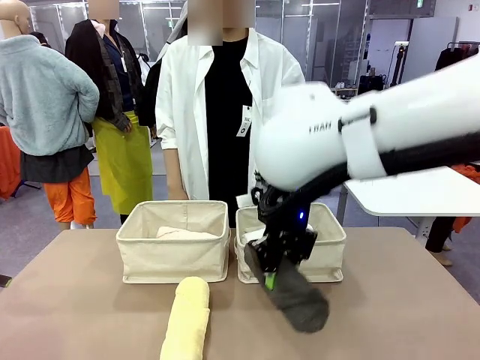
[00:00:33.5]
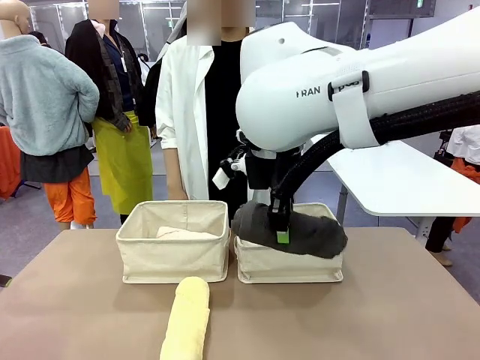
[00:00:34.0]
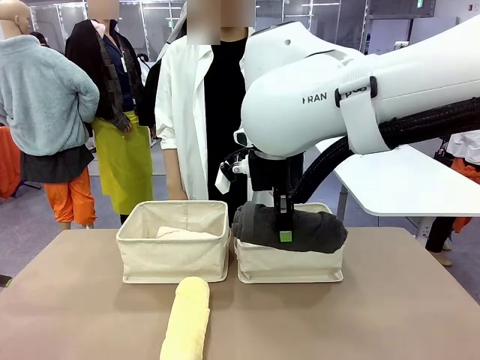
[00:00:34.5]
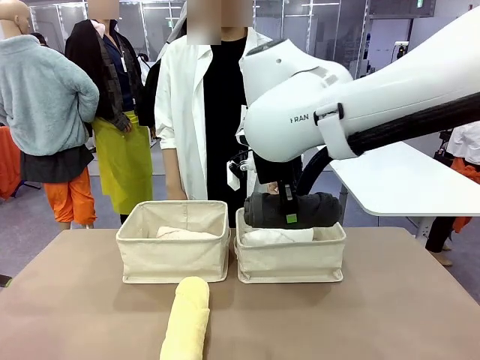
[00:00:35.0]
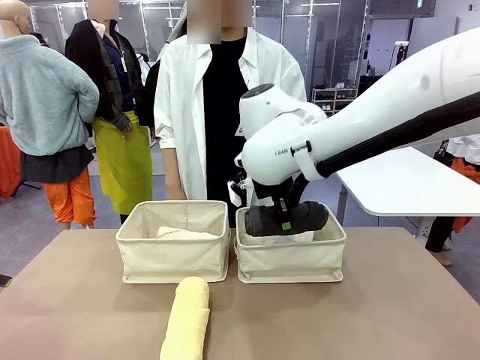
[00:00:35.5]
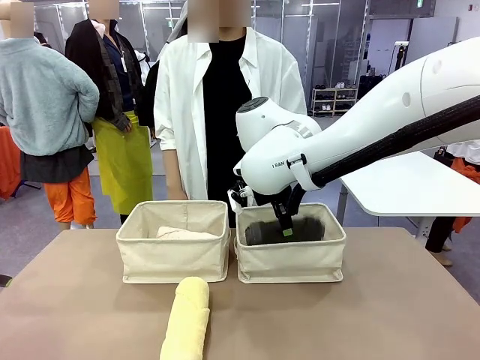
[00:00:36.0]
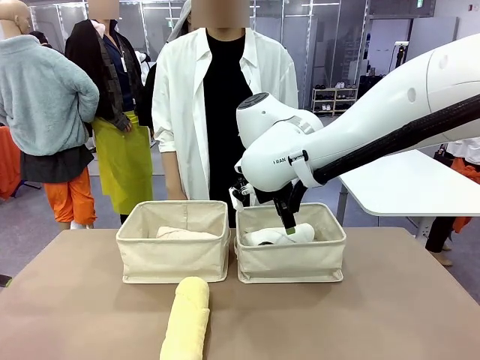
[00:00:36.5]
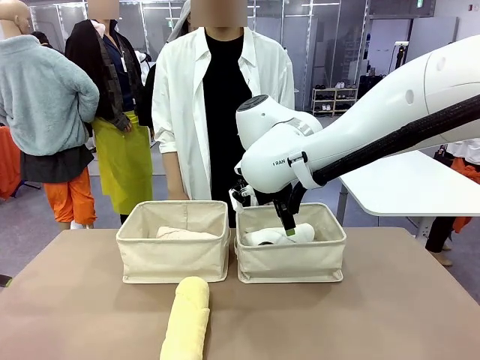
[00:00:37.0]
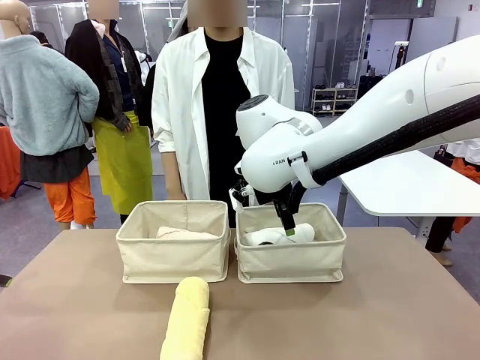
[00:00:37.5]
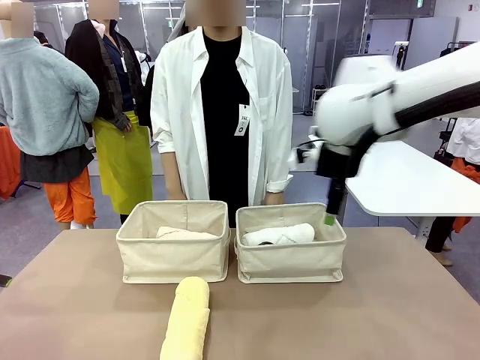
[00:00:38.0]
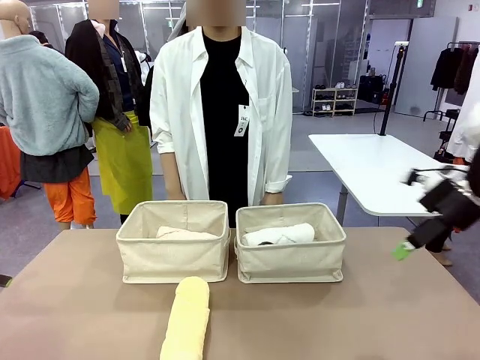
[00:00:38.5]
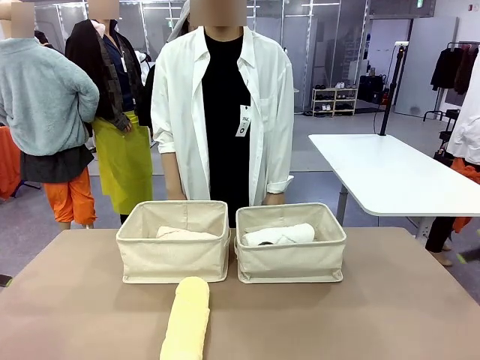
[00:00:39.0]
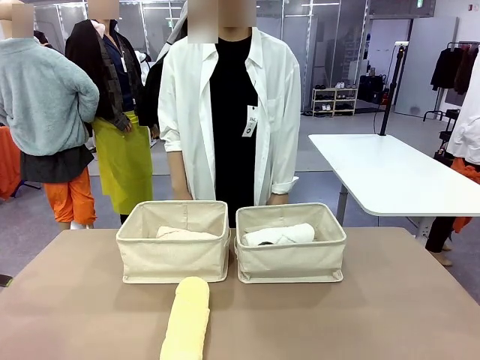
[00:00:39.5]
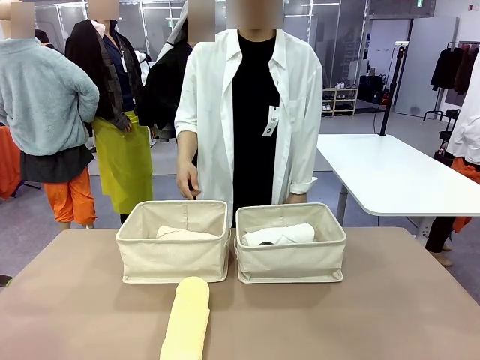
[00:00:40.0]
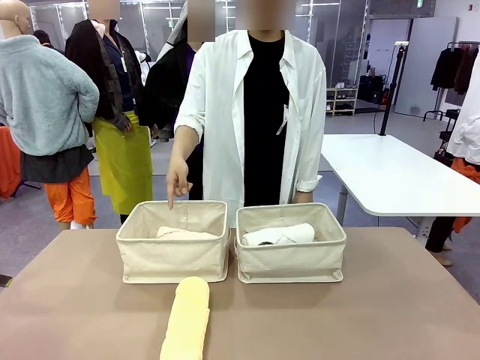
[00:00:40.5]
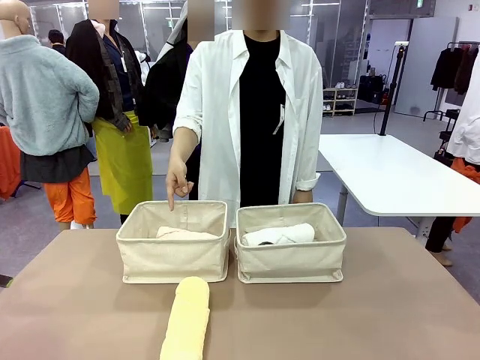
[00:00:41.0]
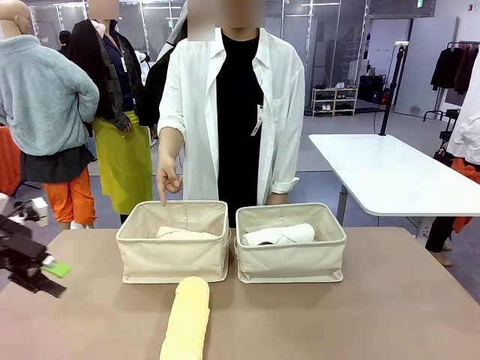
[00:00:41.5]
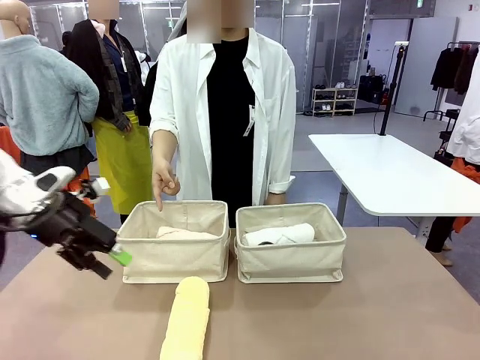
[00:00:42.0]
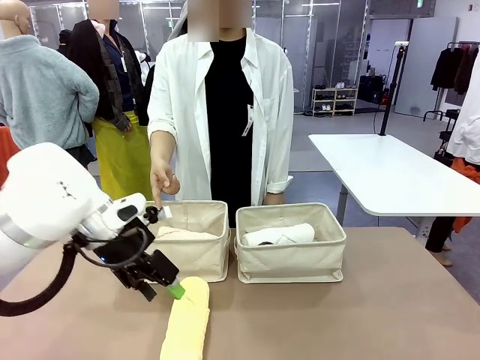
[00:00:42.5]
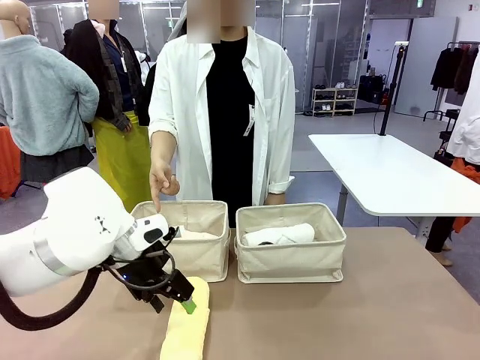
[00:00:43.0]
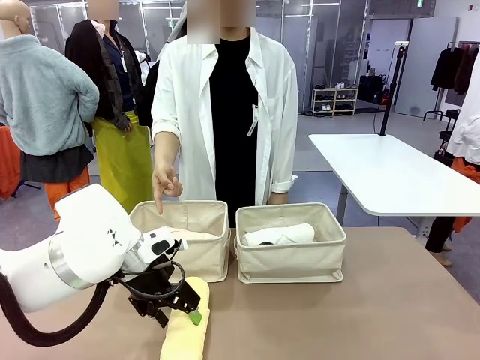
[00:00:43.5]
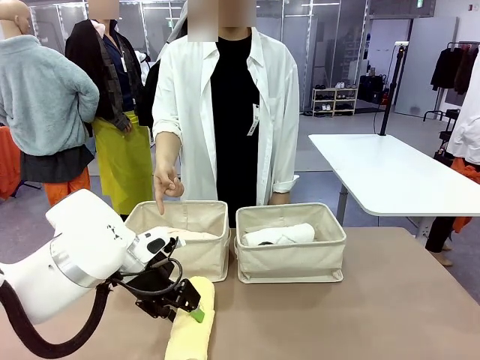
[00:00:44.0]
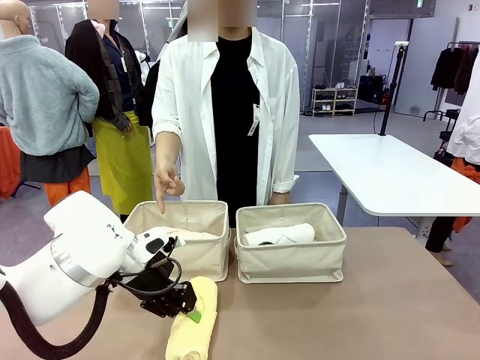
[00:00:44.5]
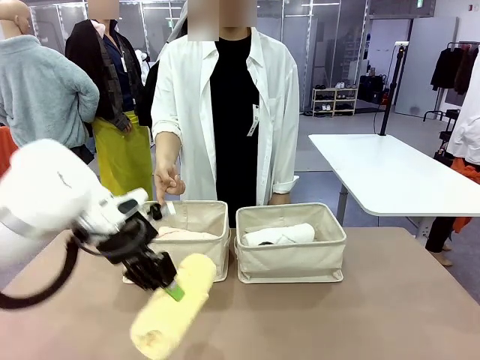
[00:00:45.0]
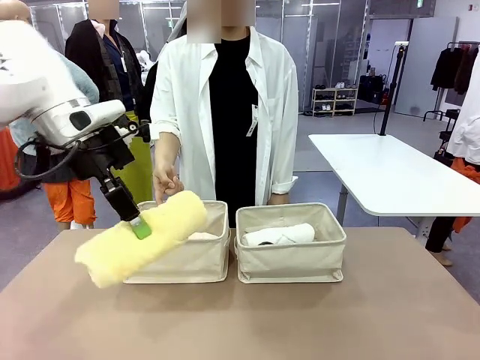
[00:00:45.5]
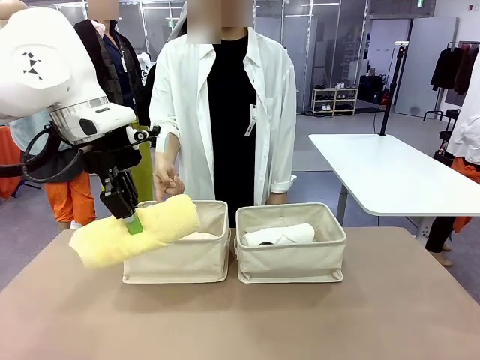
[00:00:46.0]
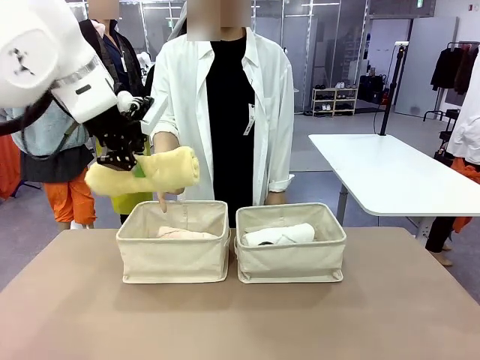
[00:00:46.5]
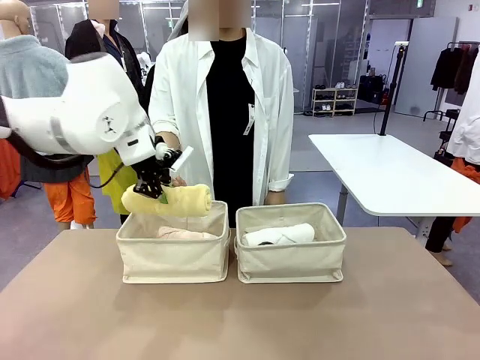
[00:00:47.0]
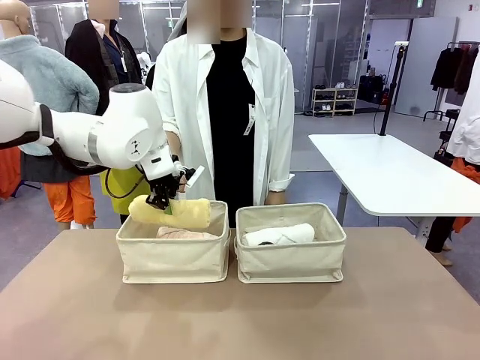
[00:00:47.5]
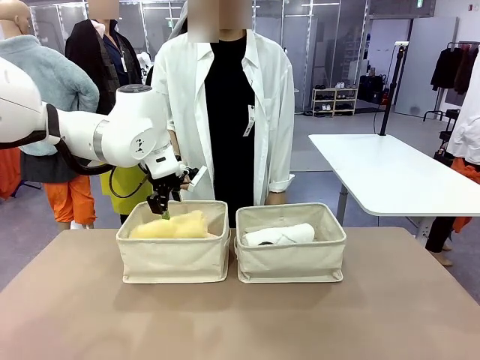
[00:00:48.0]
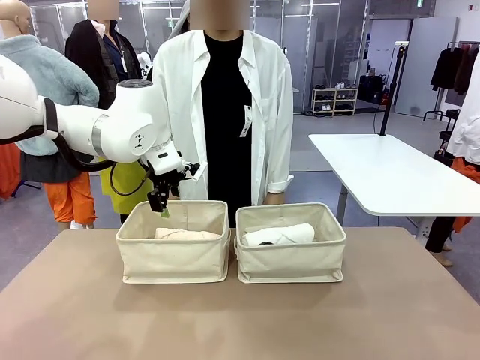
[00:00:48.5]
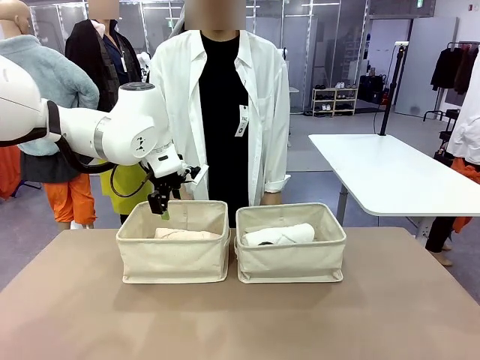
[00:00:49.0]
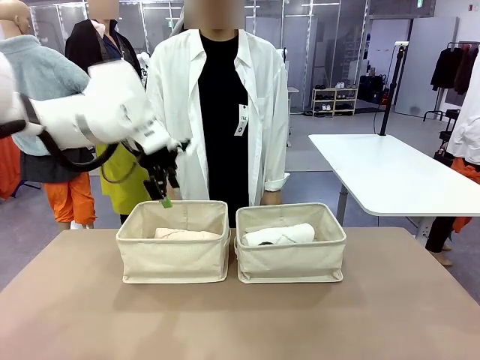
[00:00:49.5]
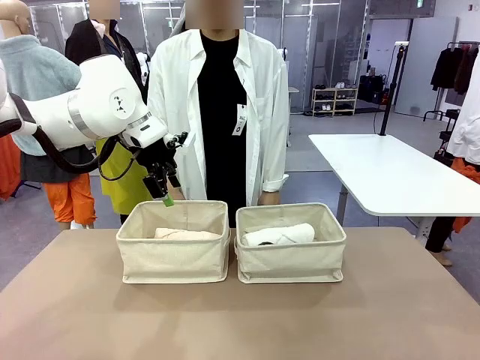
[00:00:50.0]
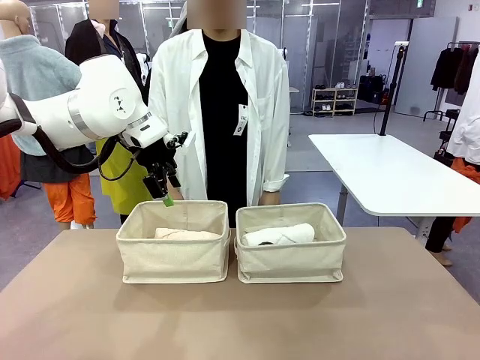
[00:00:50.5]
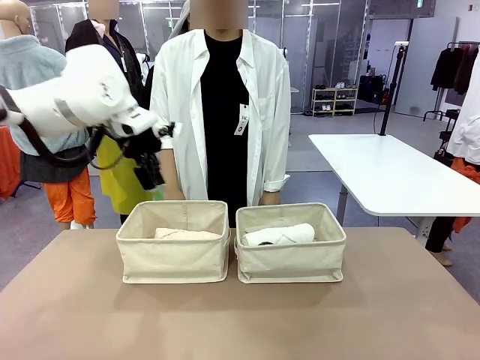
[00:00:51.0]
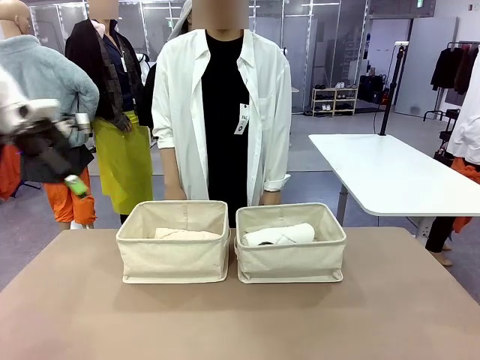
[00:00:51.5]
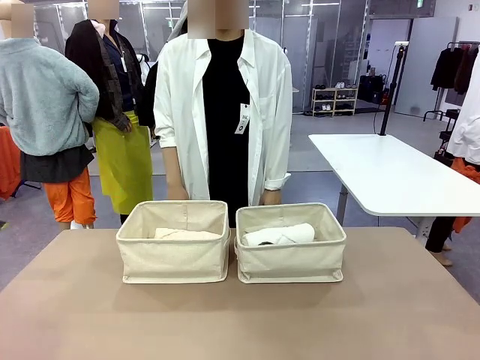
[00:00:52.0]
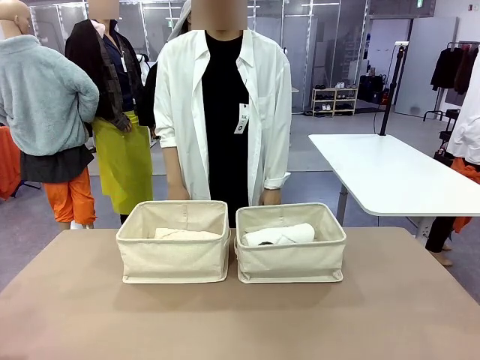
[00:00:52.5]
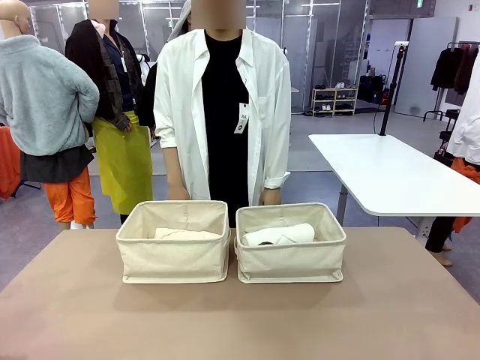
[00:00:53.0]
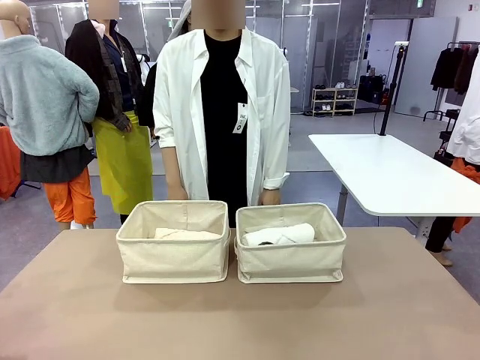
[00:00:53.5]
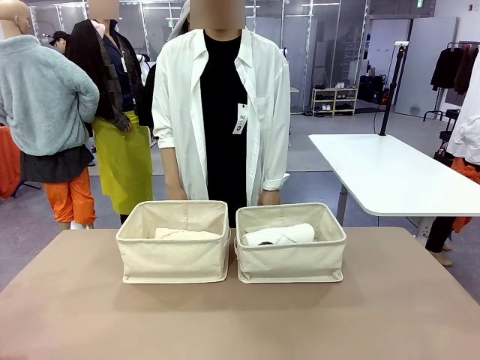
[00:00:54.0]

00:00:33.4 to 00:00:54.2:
Task: Divide the towels into two baskets.
Robot: Pick up one hotel-folded towel from the bottom of the table and place it in the Fabric basket indicated by the person.

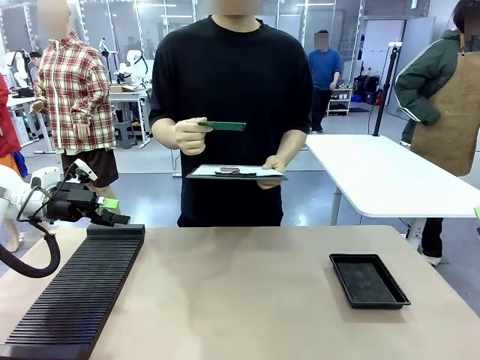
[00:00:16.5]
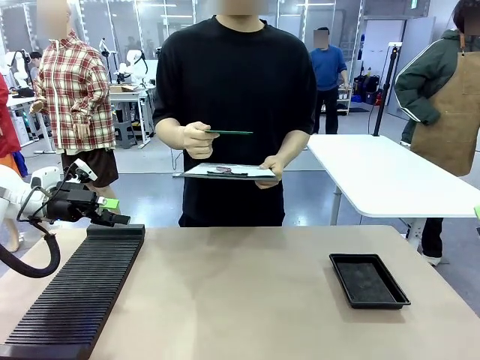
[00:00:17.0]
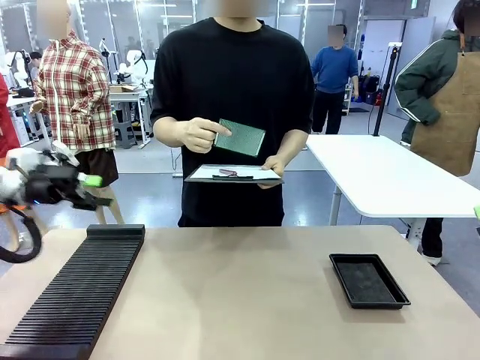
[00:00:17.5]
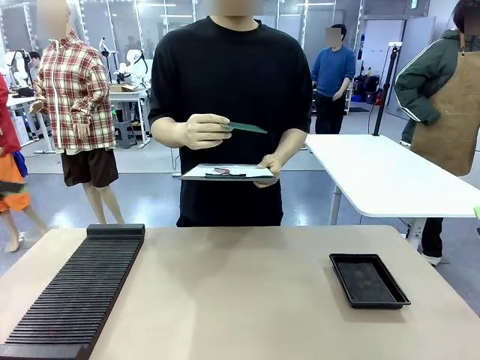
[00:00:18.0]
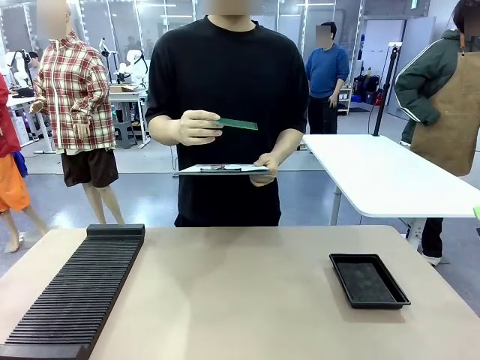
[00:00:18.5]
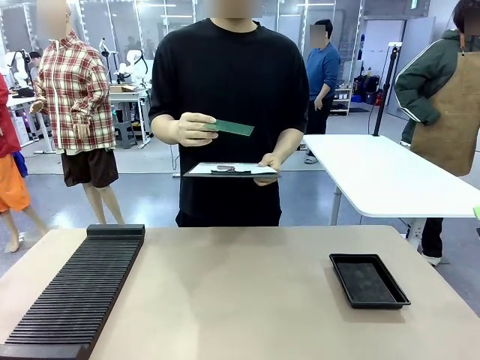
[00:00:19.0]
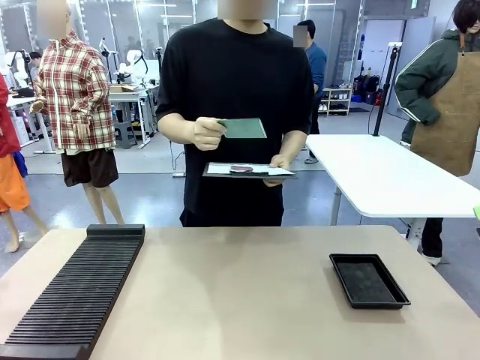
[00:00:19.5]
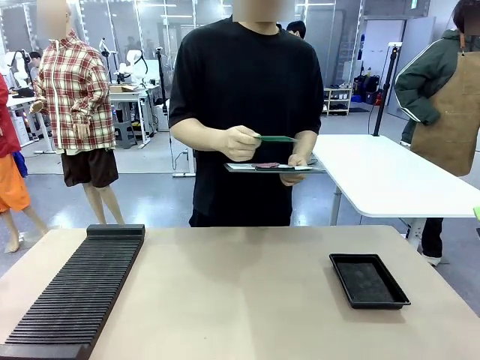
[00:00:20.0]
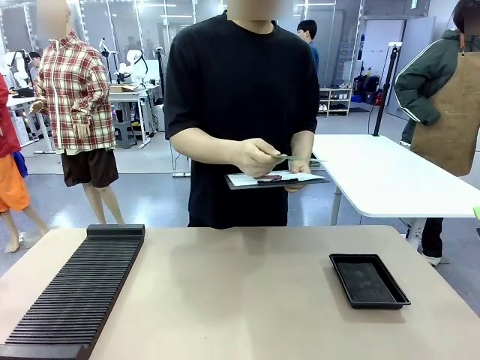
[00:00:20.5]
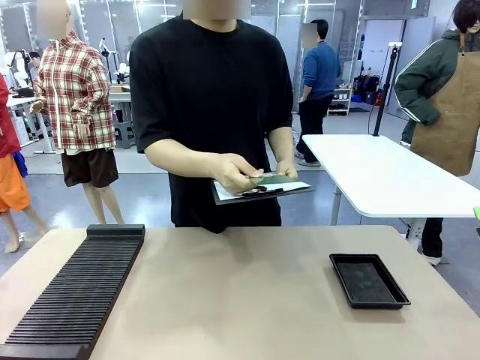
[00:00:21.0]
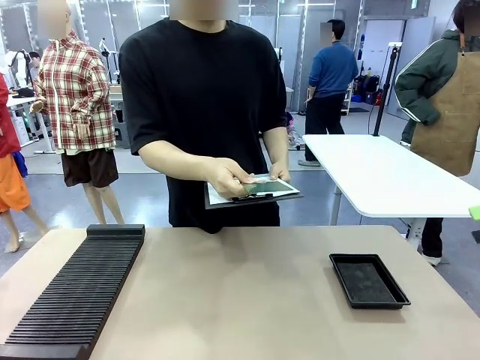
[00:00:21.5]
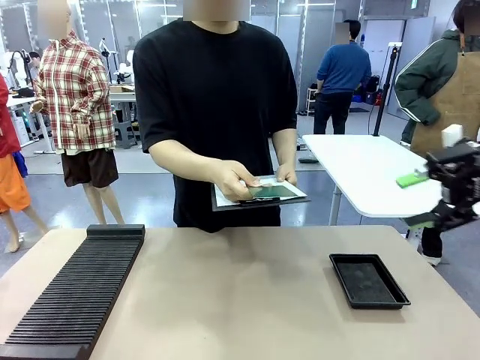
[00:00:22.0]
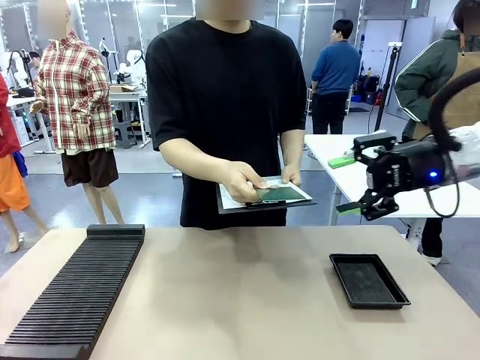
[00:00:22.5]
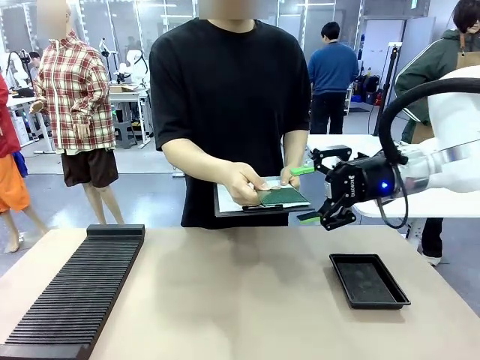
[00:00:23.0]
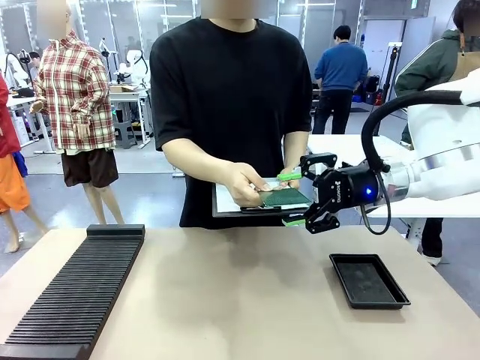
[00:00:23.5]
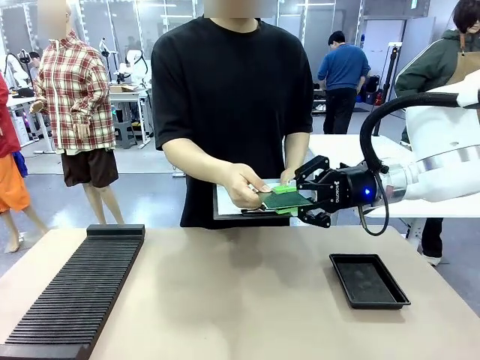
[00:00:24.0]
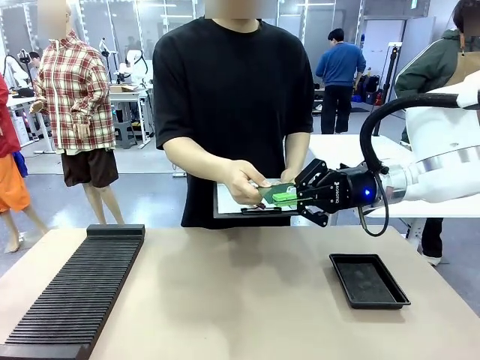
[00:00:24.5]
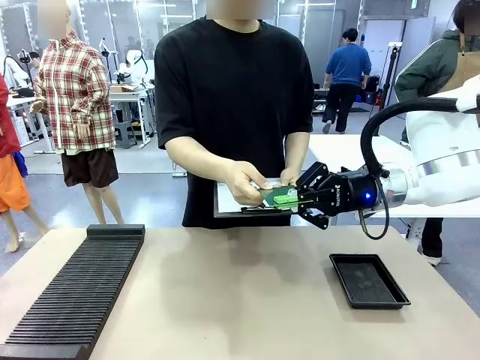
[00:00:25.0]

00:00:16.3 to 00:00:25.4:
Task: Inspect the PCB.
Robot: Pick up the Blank PCB that the human is holding.
Person: Inspect the PCB placed by the robot, then hold it out in front of the robot. Release the PCB you were holding.
